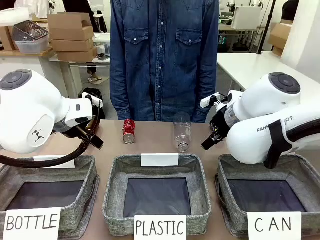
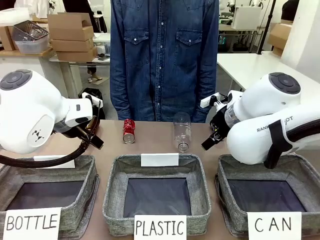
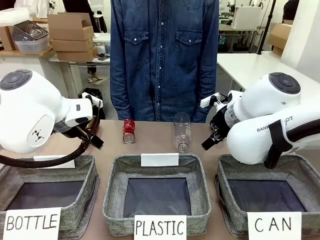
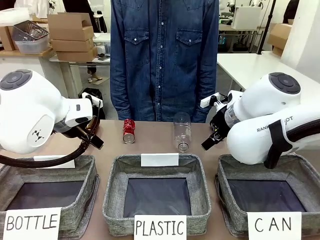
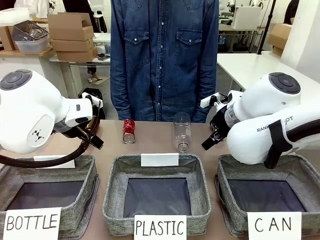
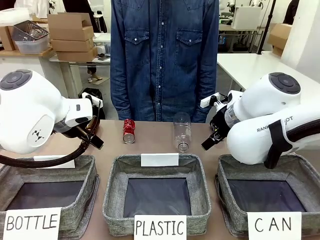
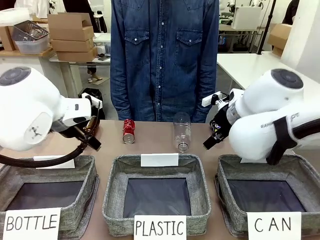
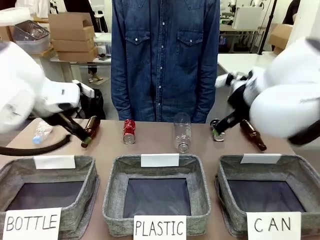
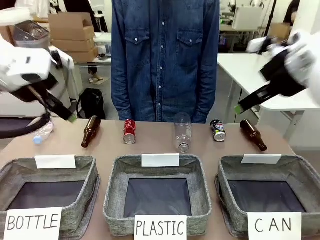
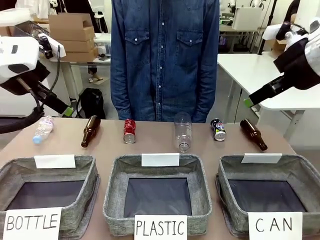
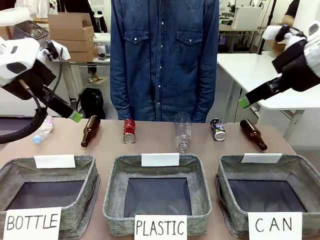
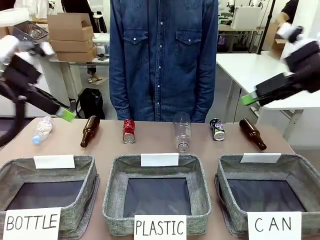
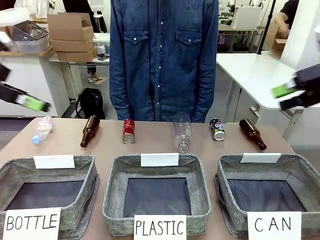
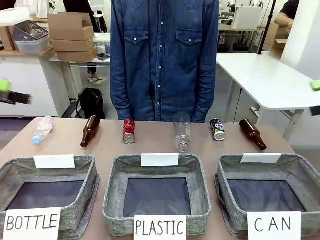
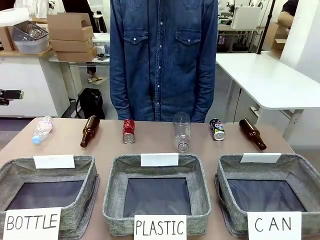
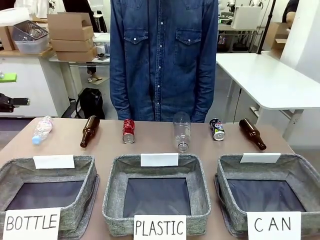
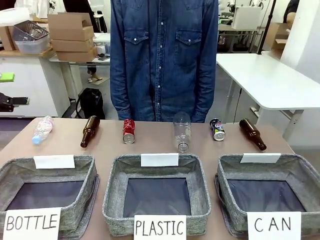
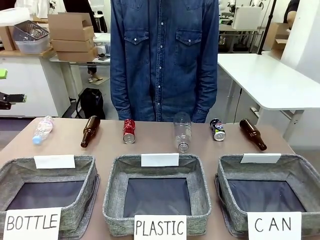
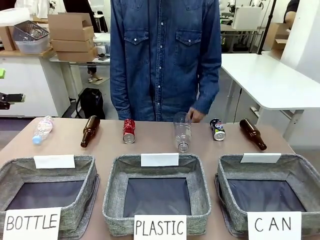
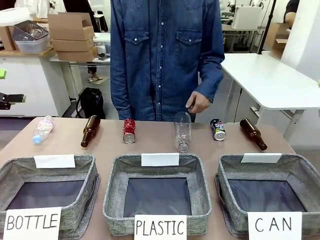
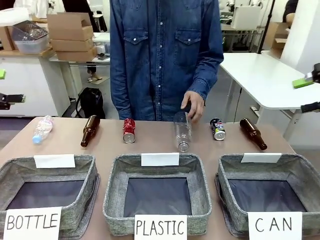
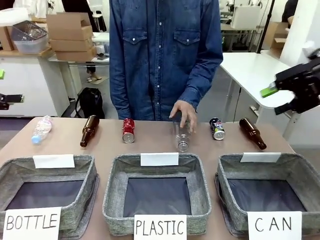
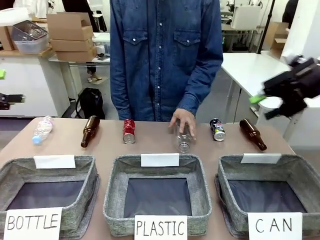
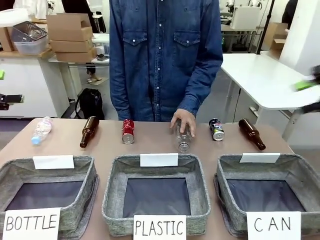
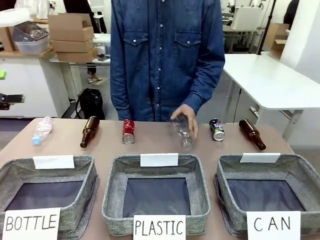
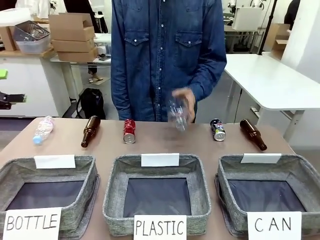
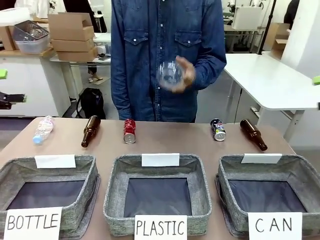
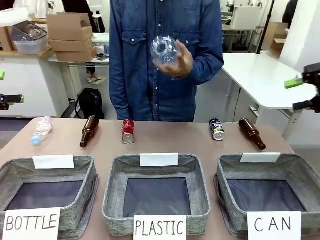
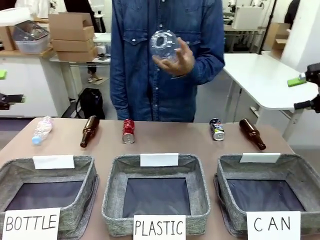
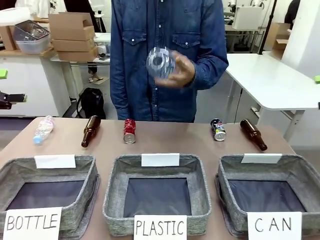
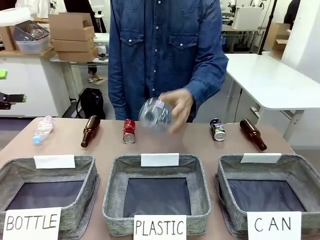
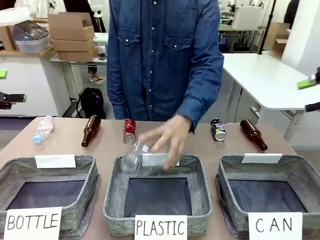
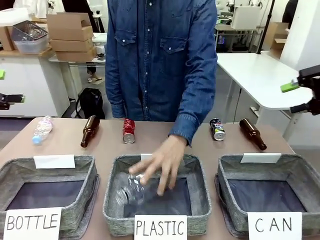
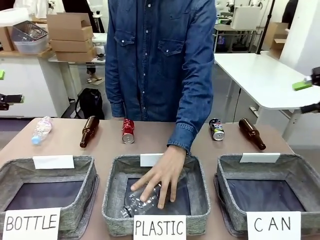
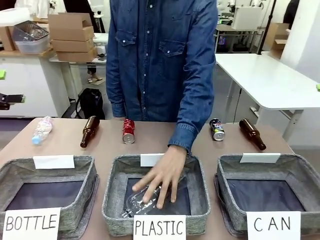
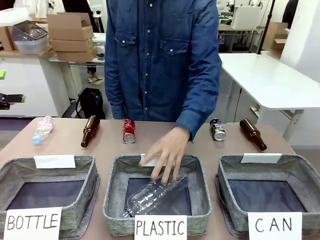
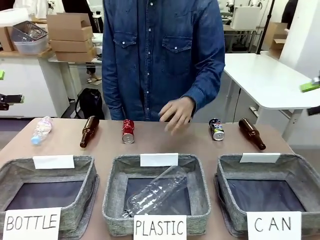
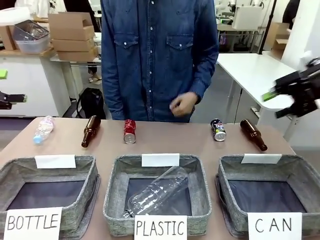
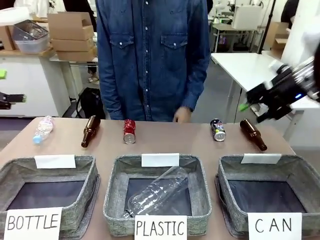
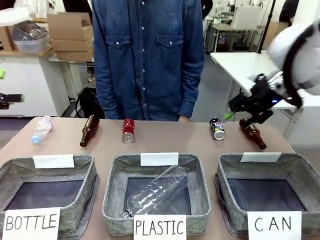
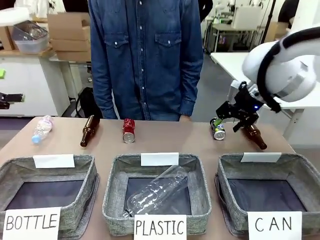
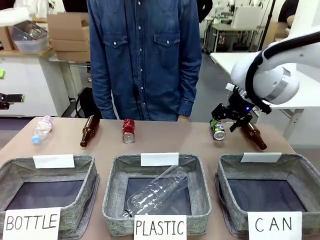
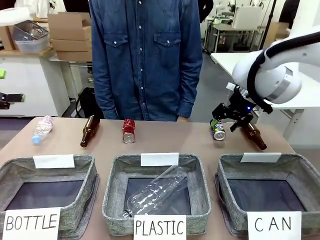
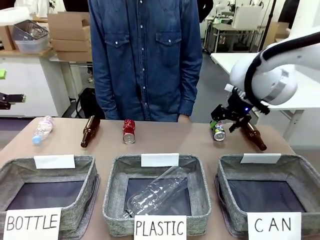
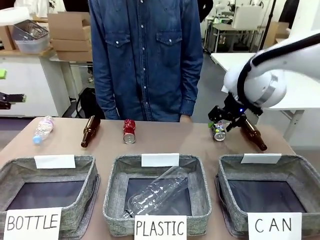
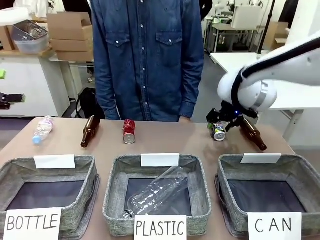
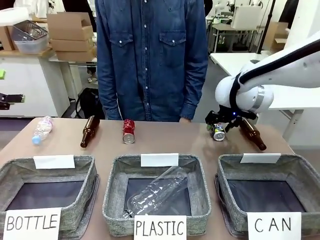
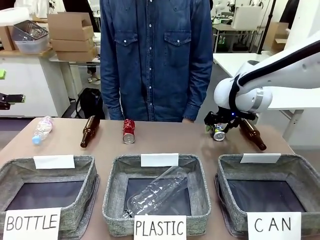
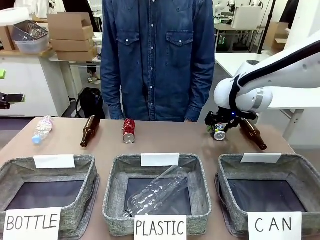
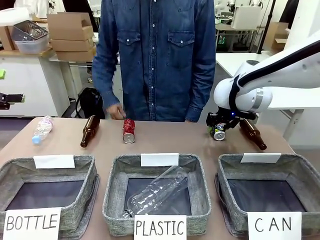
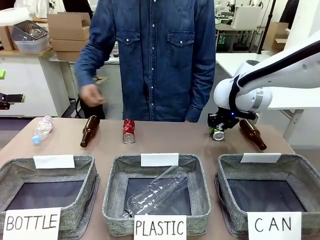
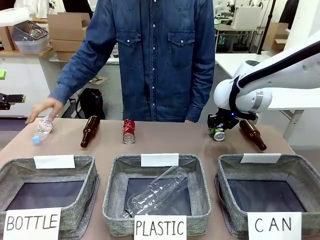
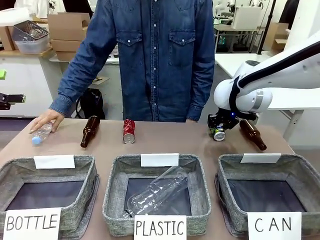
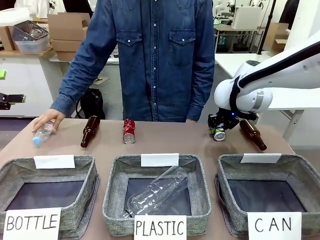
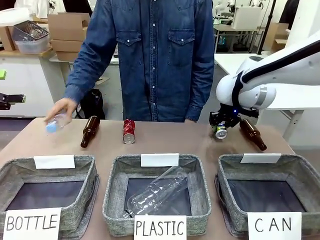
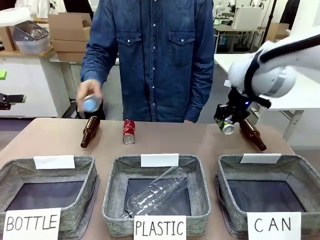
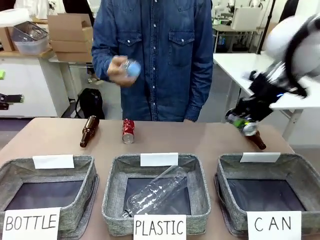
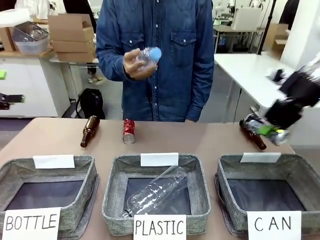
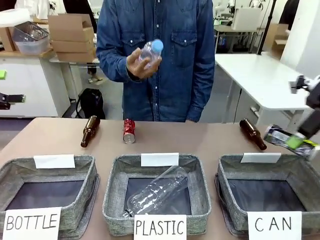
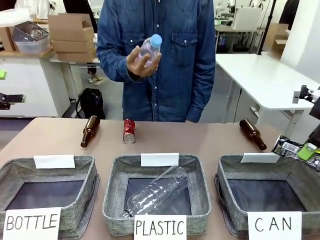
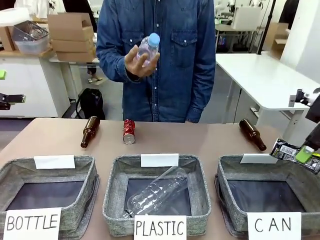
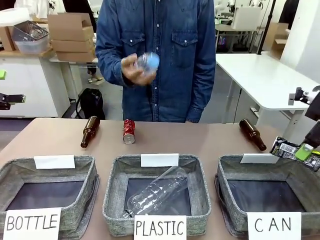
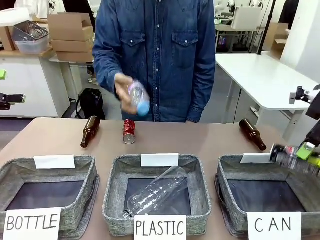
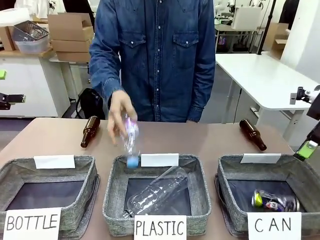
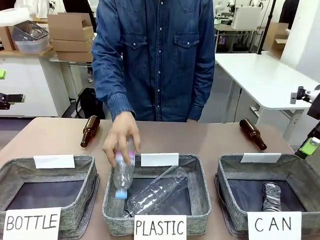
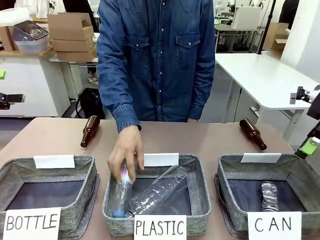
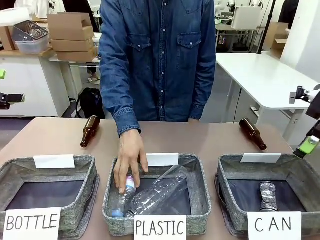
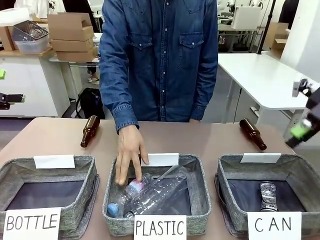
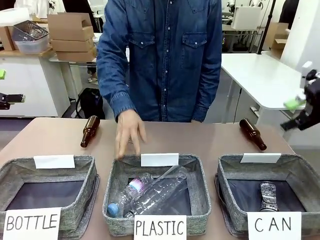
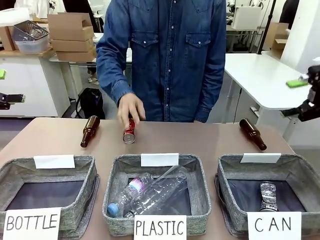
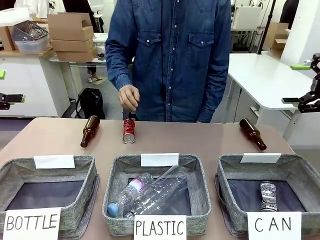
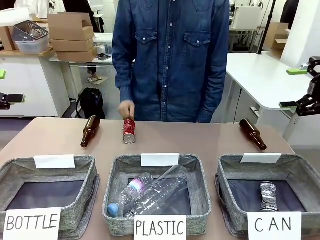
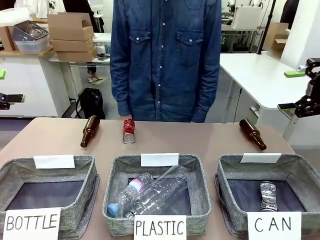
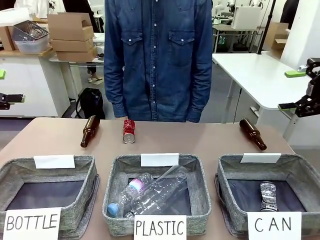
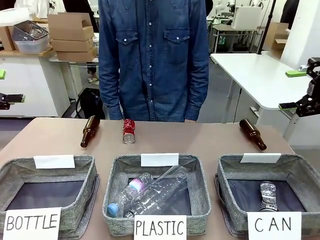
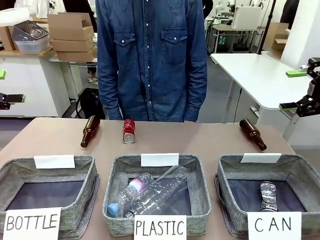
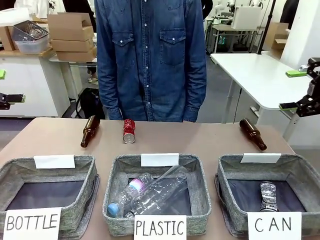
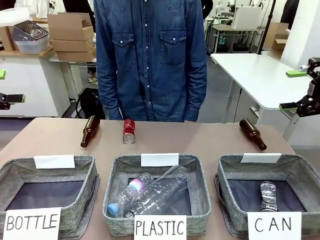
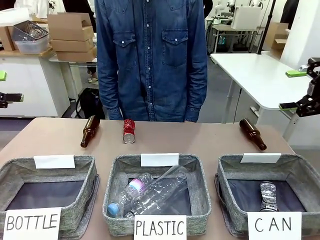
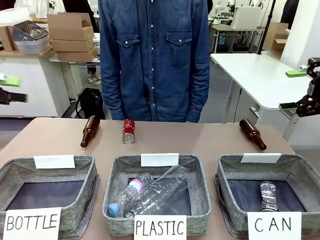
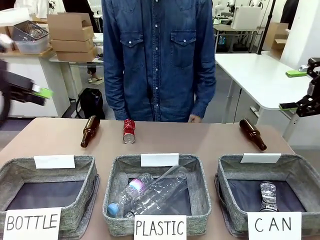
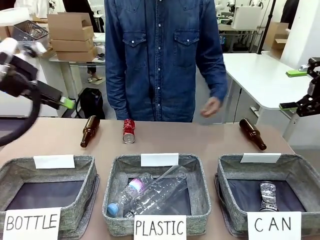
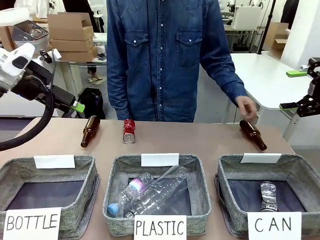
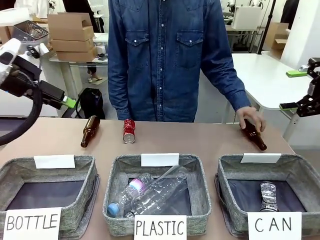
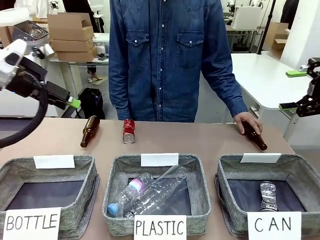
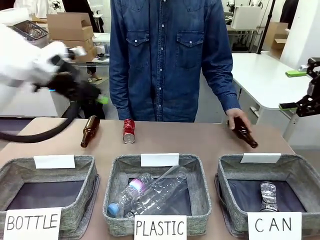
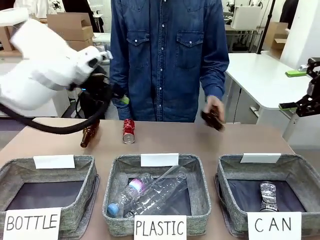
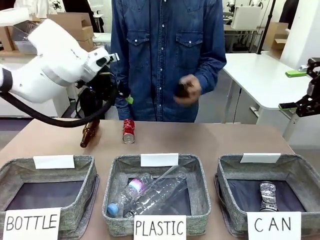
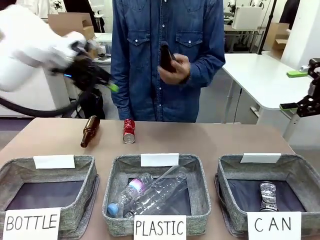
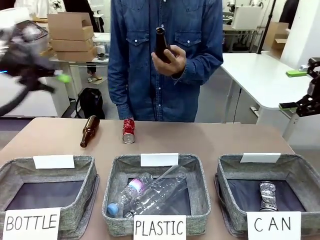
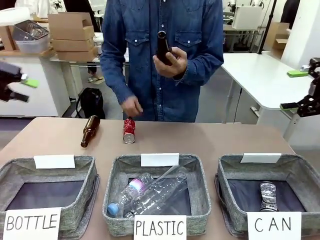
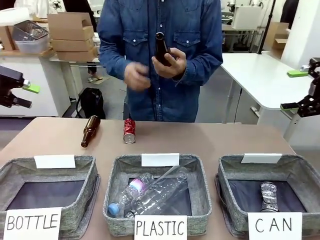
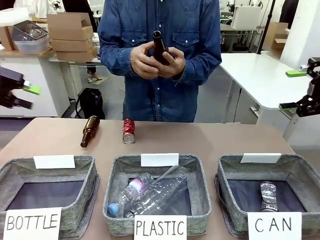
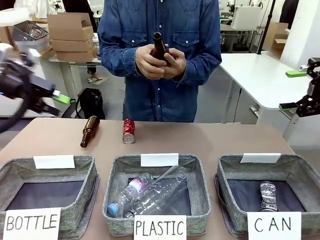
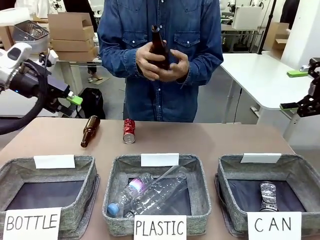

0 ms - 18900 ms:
Task: Sort the can waste into the basket.
Robot: Pick up the can waste from the table and place it in the right Fabric basket.
